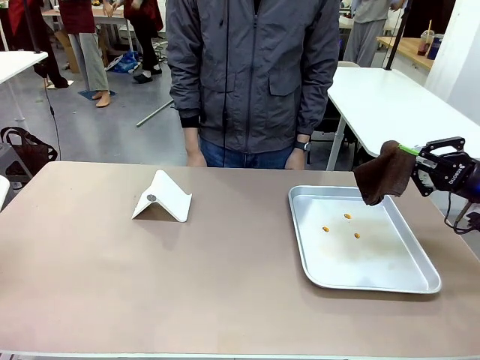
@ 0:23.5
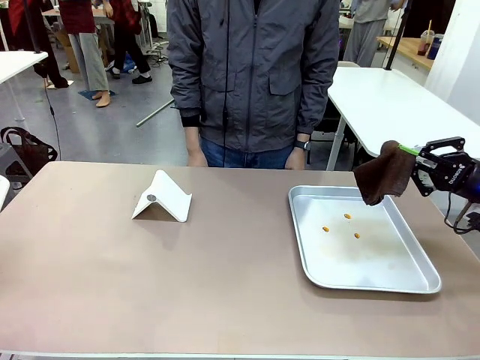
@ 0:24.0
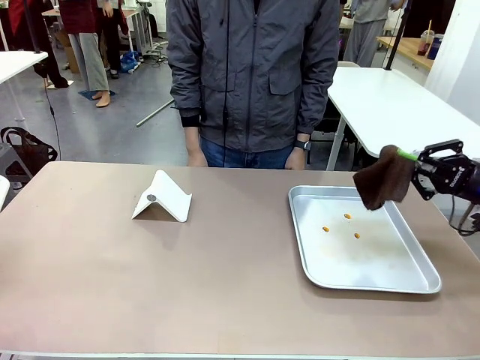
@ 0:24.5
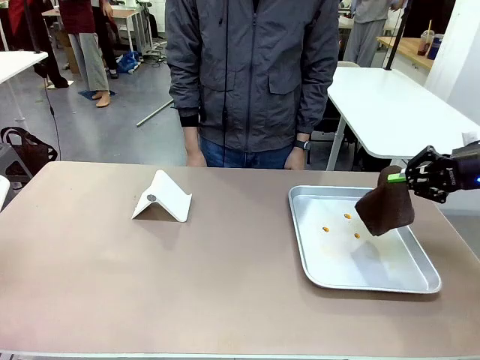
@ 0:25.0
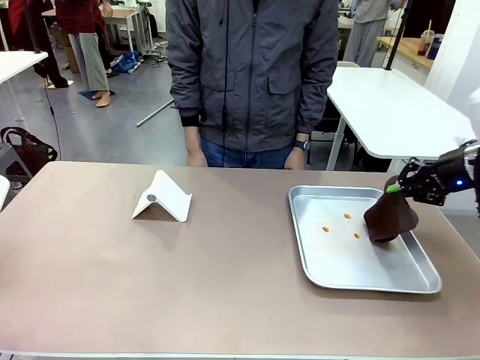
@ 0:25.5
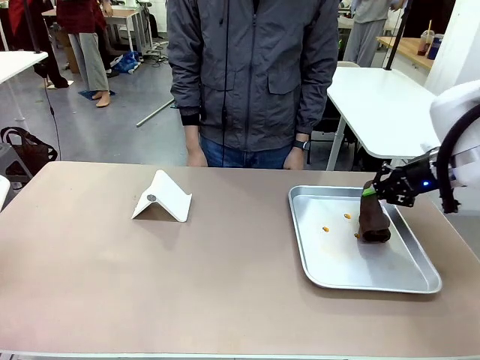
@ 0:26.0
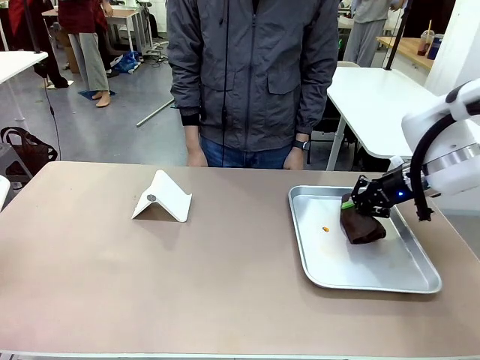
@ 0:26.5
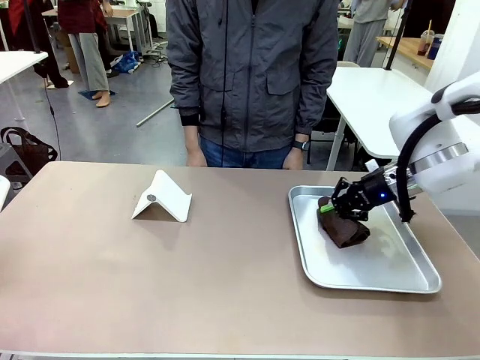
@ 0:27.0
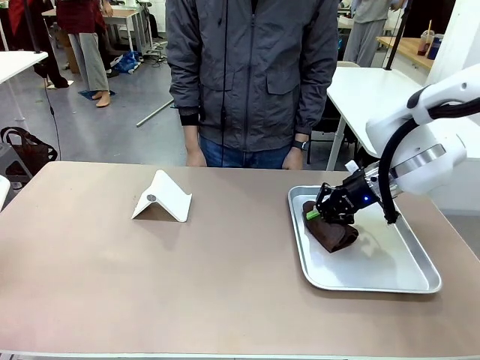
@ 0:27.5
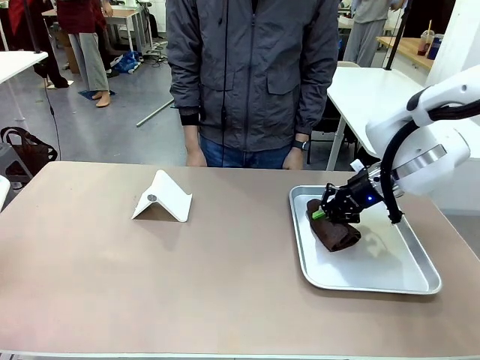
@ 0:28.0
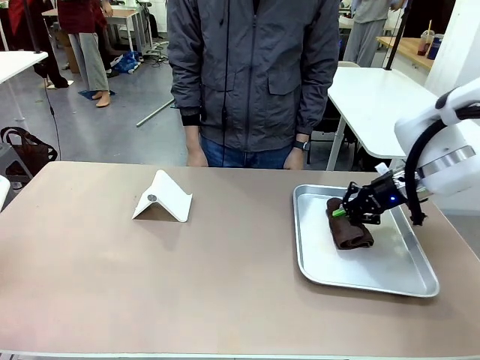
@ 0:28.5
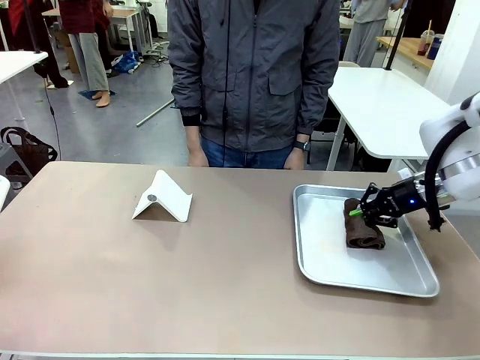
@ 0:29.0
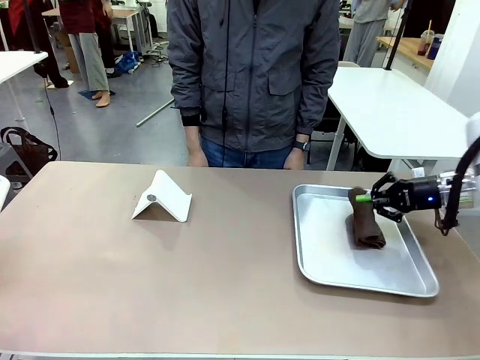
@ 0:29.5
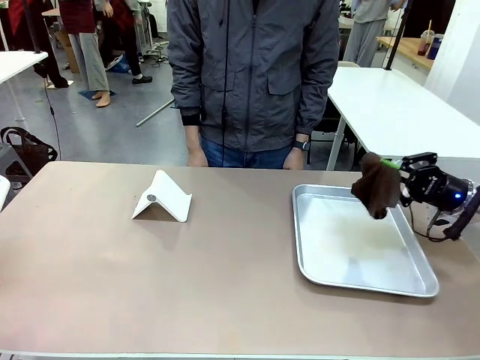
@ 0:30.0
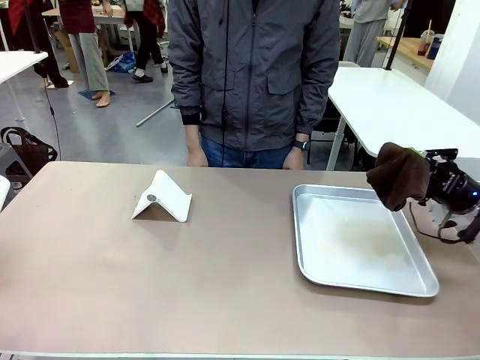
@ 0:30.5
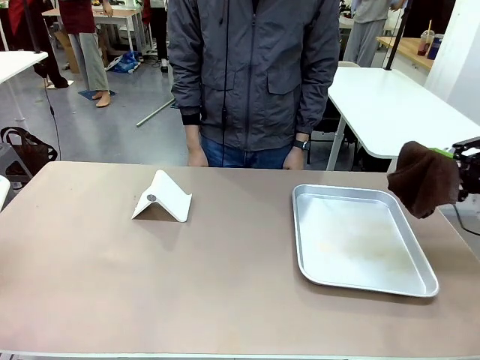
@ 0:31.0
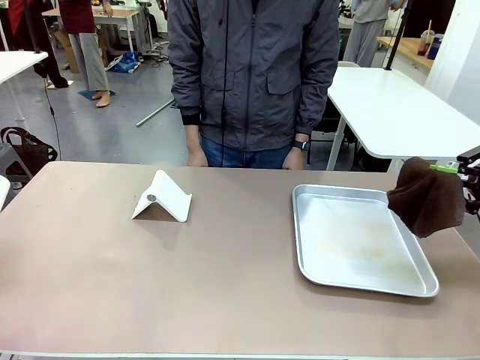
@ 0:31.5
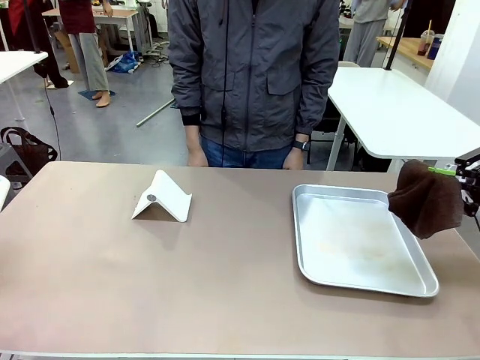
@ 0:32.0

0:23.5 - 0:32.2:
Task: Clean the surface of the table.
Robot: Clean the area not pointed to by the person.

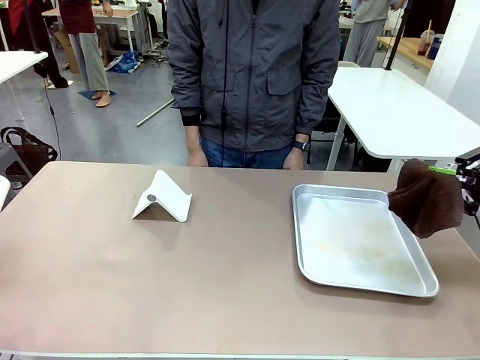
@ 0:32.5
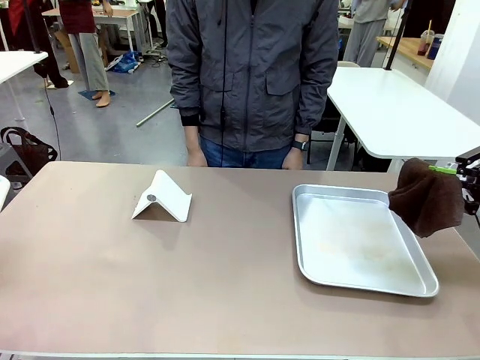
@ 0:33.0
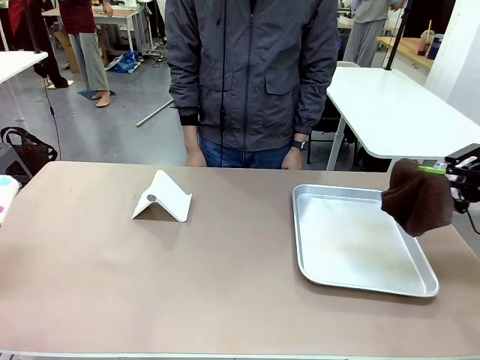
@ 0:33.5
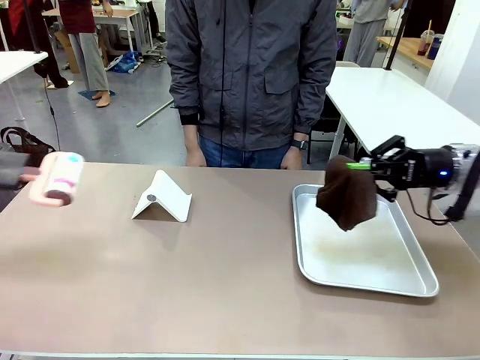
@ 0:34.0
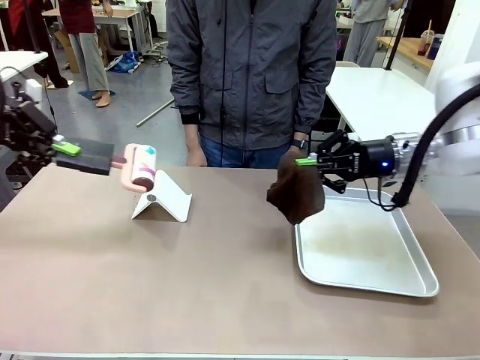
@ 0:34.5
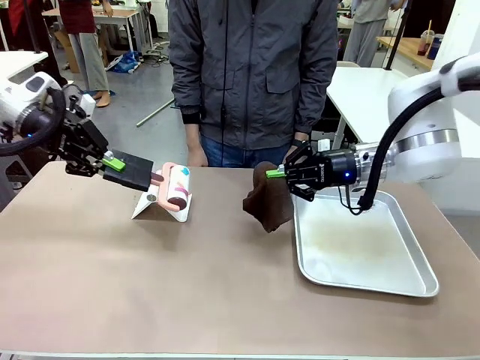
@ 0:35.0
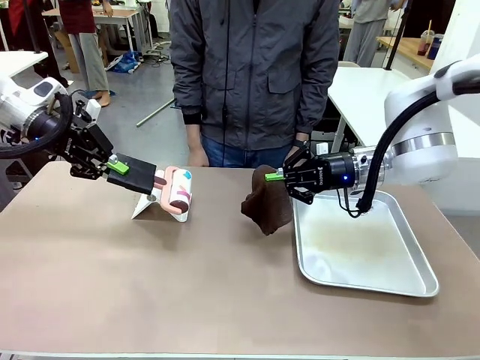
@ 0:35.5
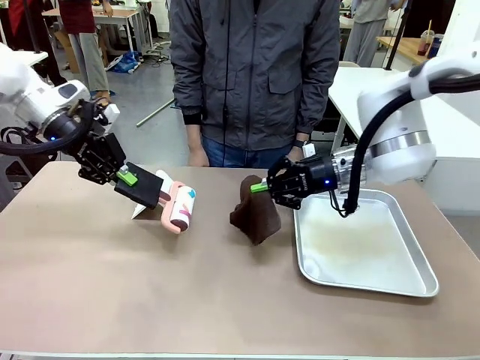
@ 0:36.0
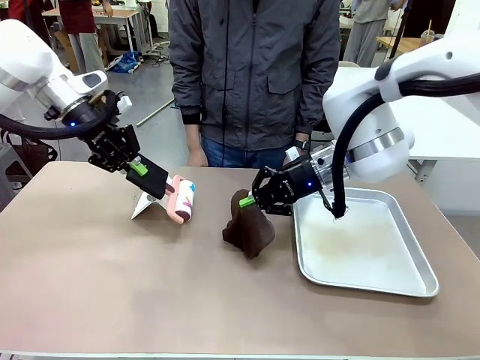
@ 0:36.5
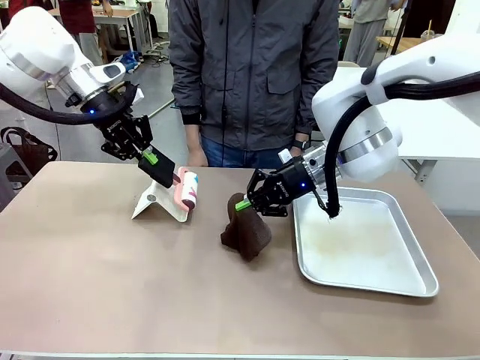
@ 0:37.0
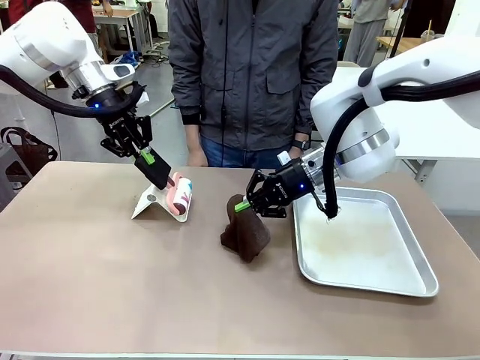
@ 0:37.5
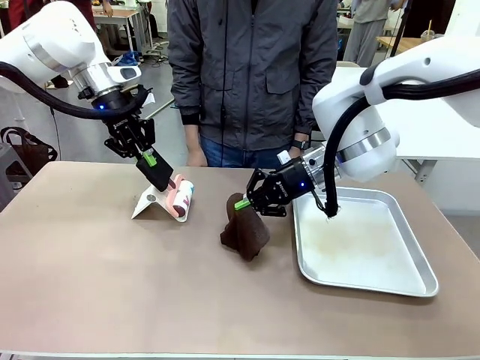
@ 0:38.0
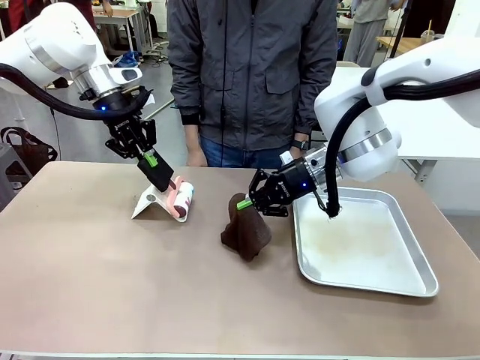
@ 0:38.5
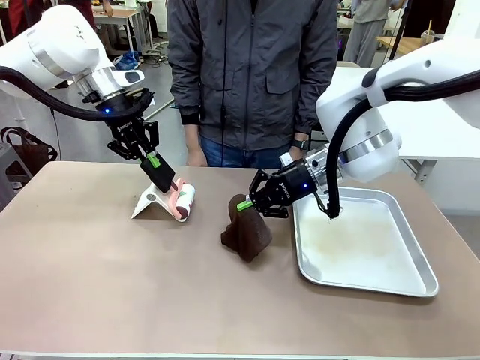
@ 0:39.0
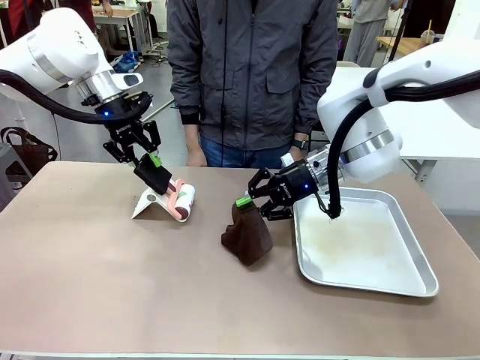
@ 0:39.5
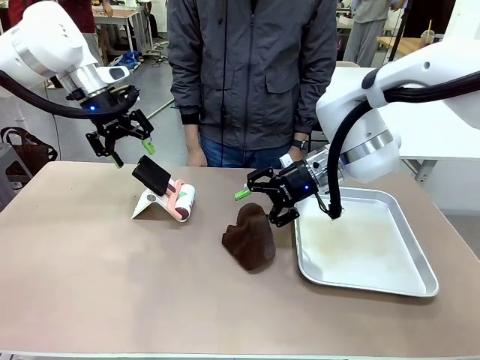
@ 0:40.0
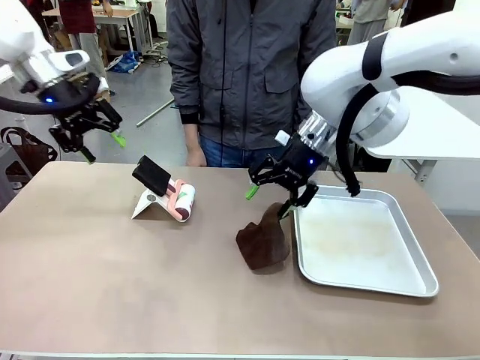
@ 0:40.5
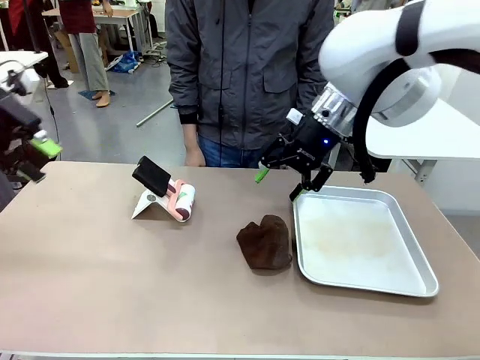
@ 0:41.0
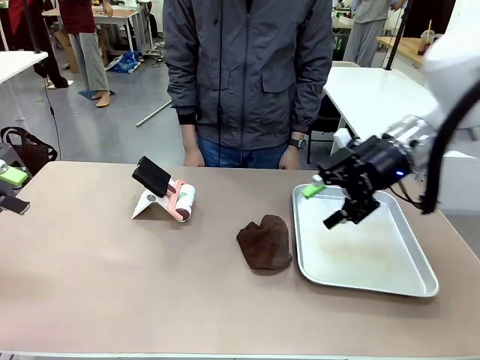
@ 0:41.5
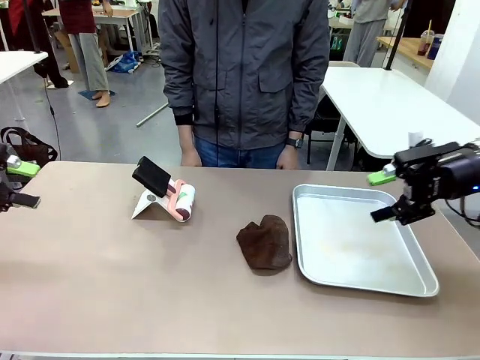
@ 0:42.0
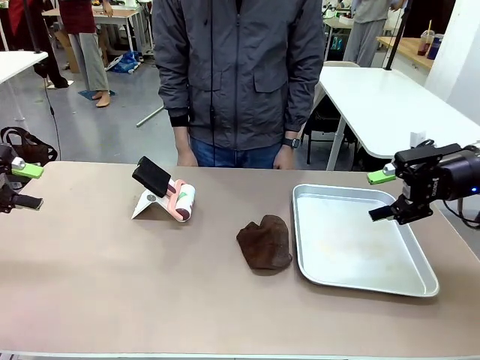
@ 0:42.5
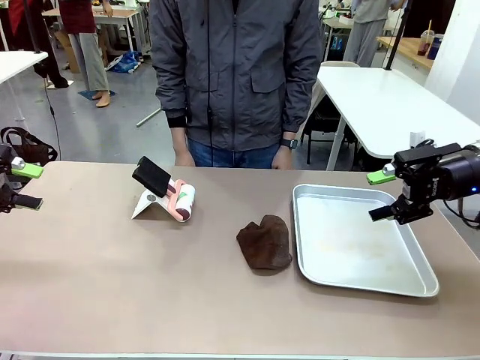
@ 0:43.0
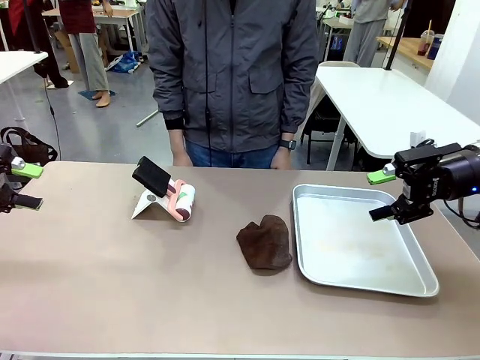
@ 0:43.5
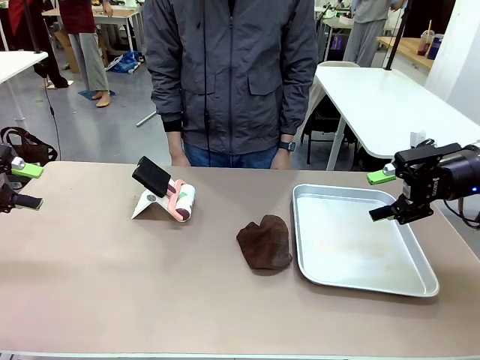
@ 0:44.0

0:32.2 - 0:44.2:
Robot: Return the Lint Roller and towel to their original positions.

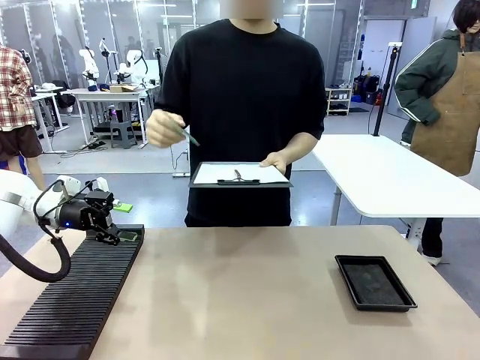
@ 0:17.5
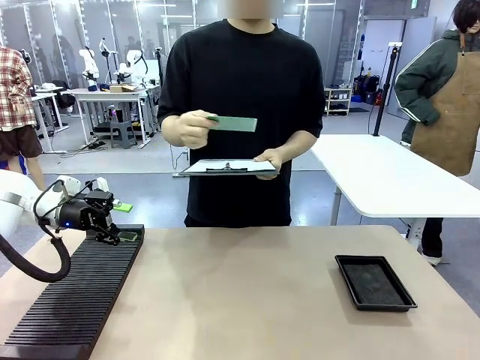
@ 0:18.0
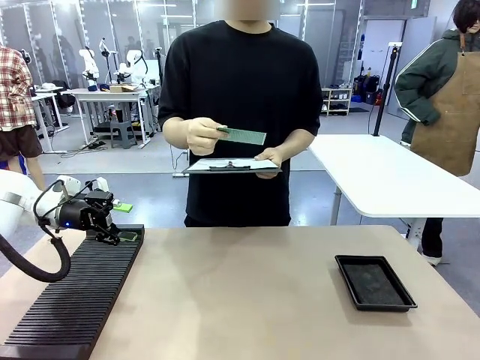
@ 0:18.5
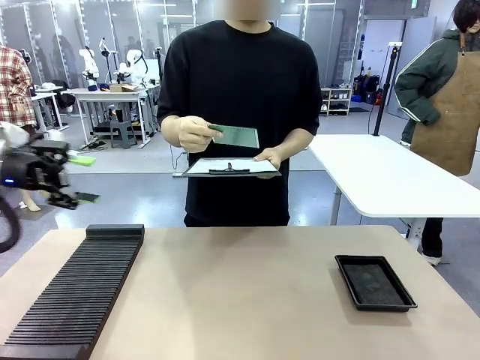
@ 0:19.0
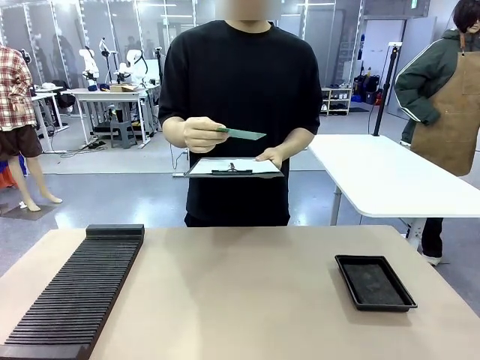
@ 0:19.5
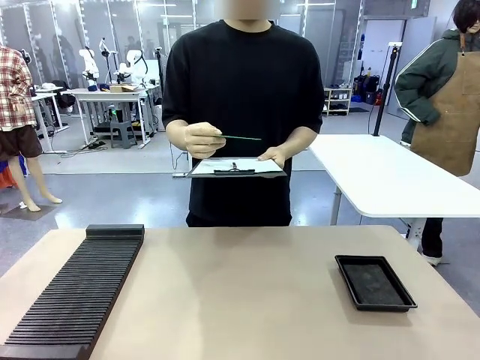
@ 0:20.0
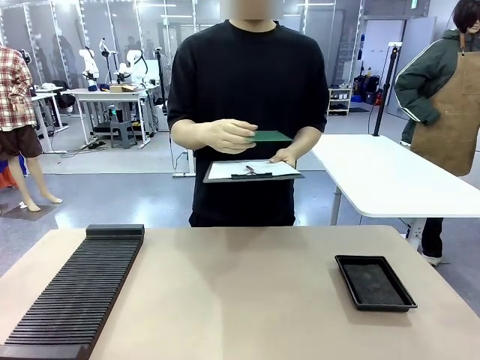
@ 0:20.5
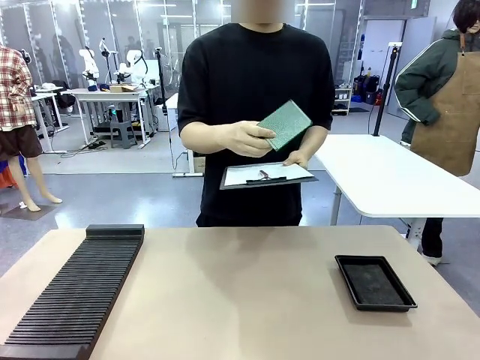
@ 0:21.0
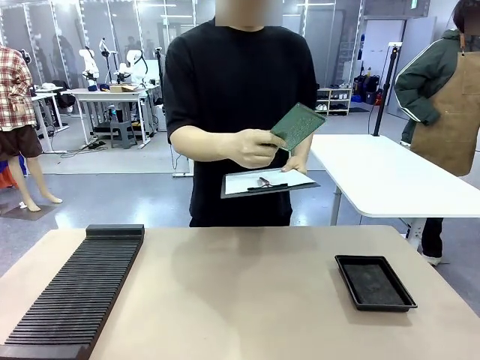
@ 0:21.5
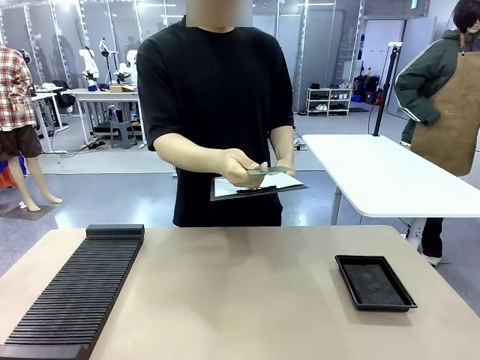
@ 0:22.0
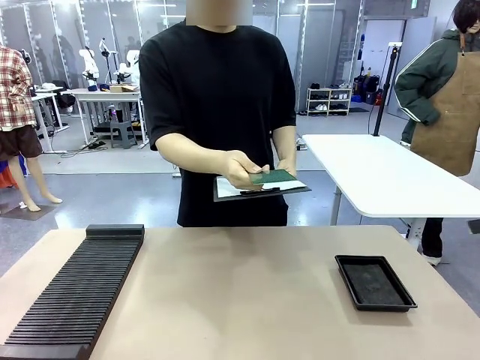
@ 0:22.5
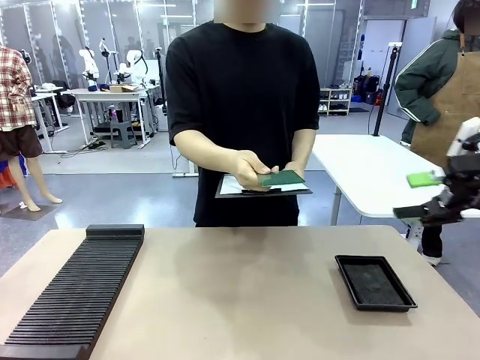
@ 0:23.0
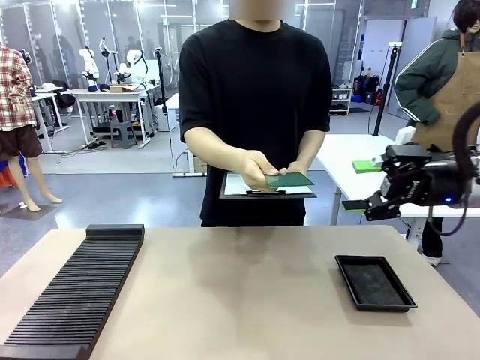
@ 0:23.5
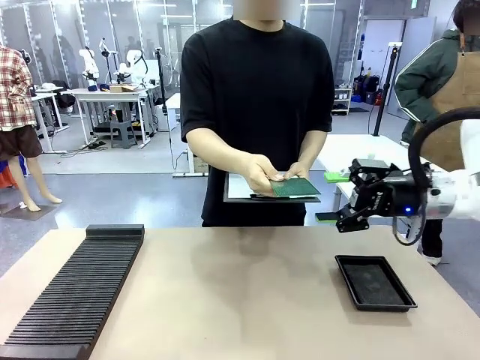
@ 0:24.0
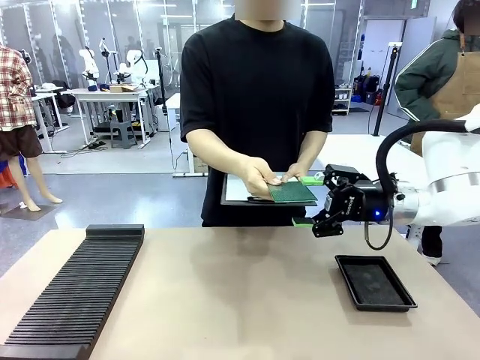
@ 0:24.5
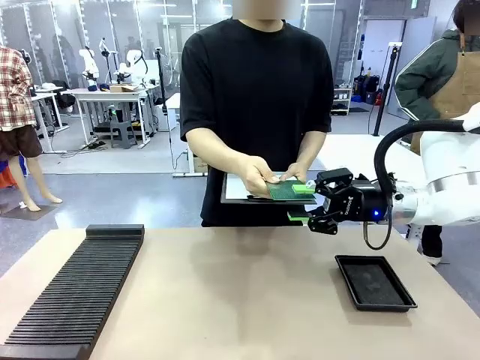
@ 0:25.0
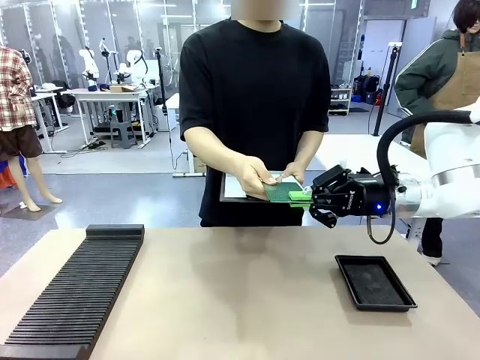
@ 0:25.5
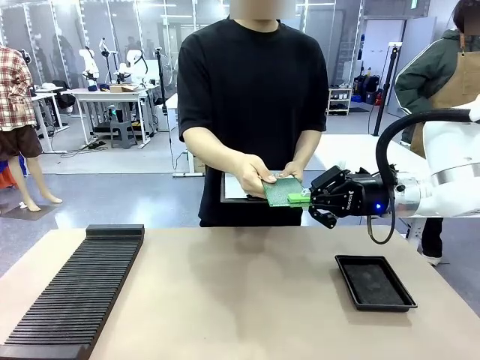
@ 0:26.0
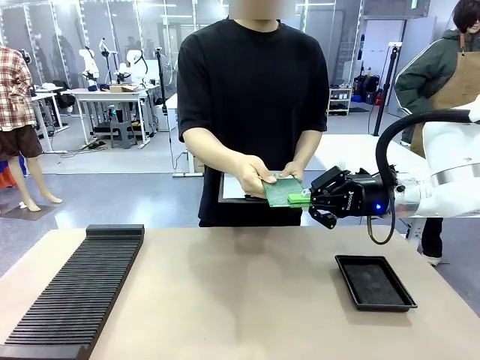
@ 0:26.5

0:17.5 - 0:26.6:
Task: Inspect the PCB.
Robot: Pick up the Blank PCB that the human is holding.
Person: Inspect the PCB placed by the robot, then hold it out in front of the robot. Release the PCB you were holding.
